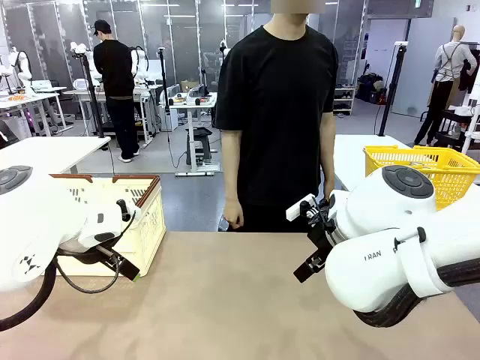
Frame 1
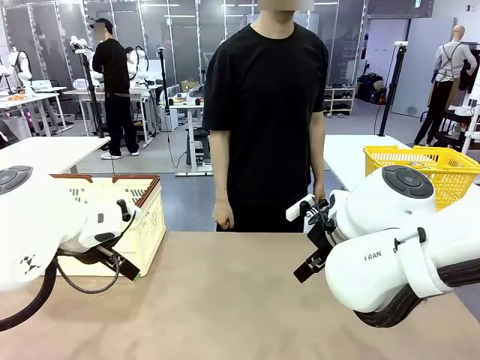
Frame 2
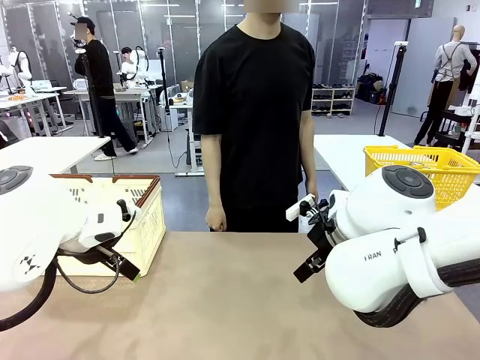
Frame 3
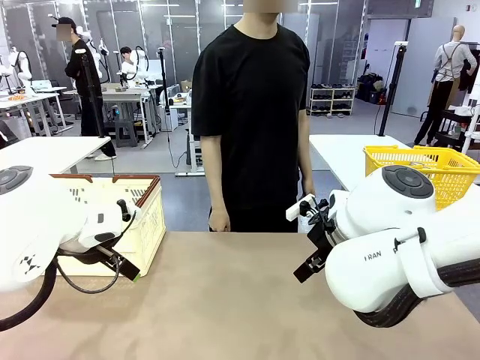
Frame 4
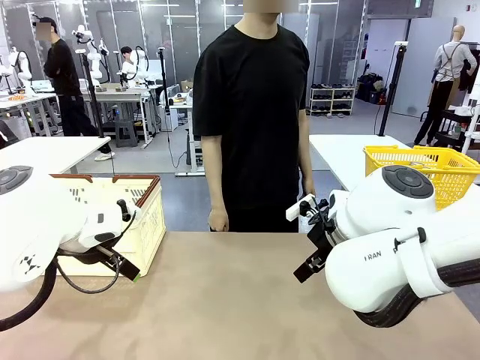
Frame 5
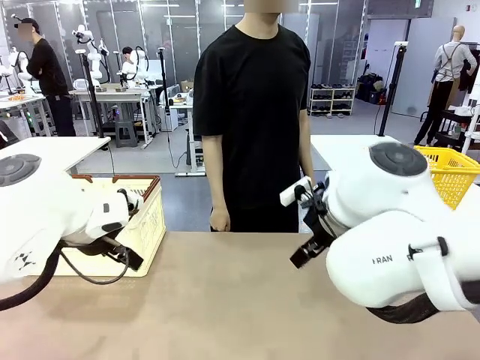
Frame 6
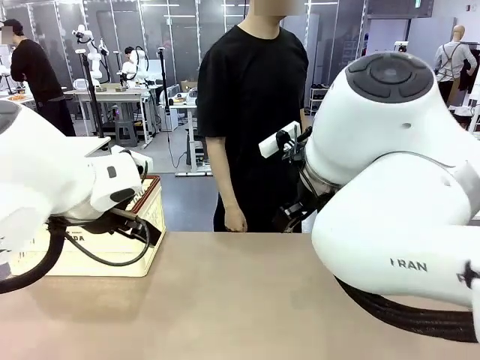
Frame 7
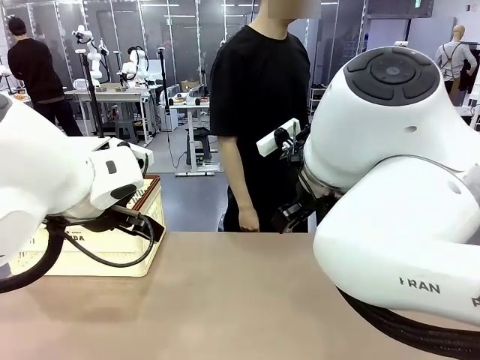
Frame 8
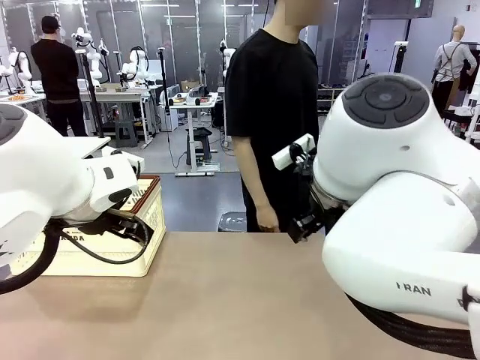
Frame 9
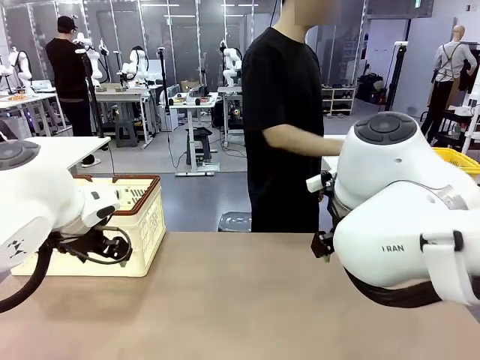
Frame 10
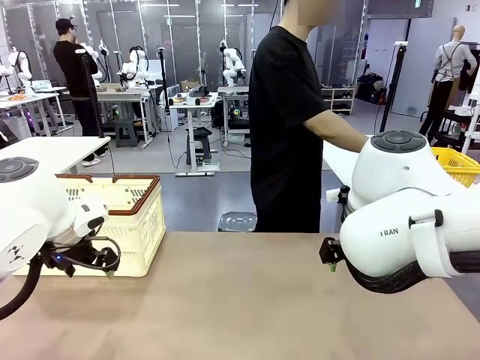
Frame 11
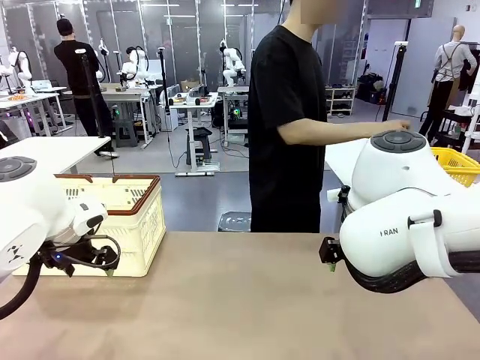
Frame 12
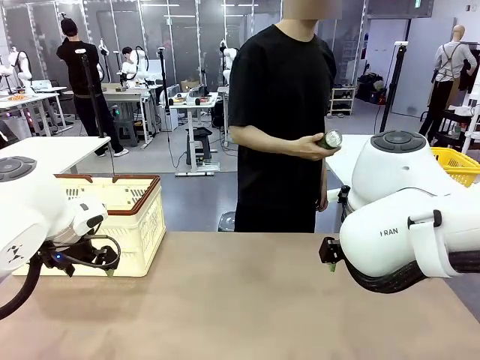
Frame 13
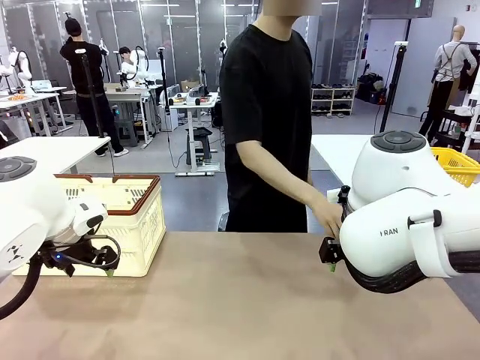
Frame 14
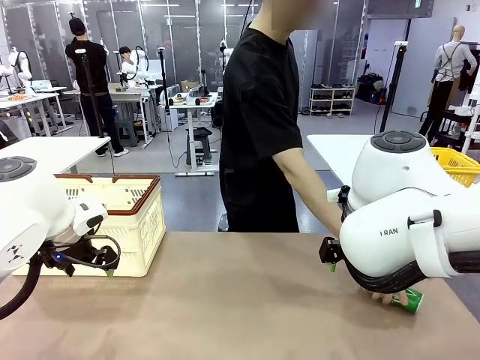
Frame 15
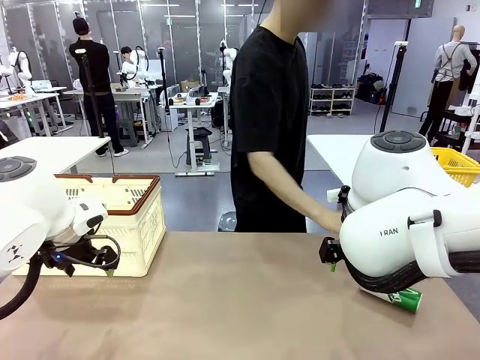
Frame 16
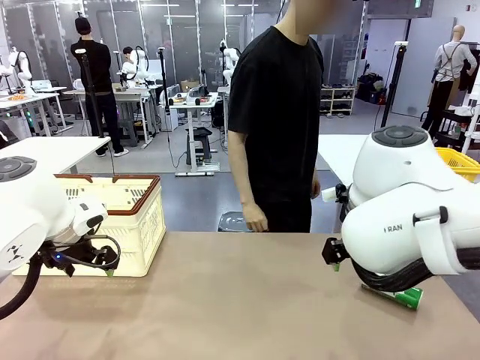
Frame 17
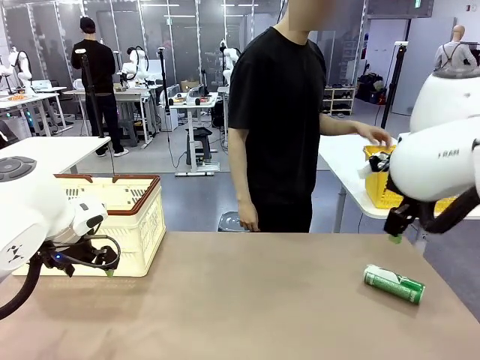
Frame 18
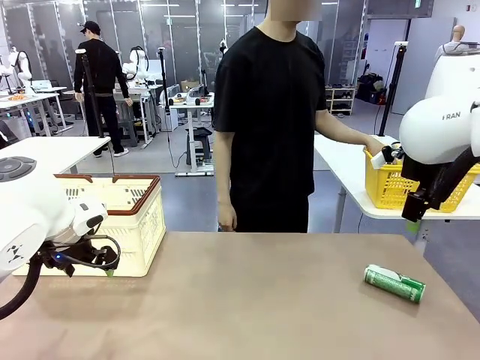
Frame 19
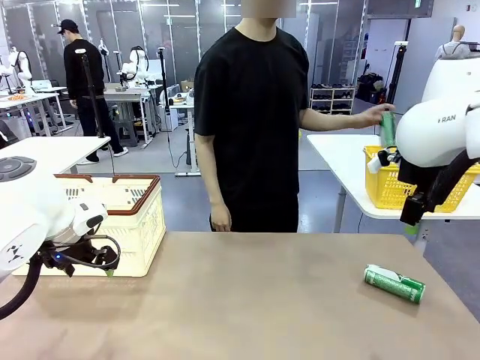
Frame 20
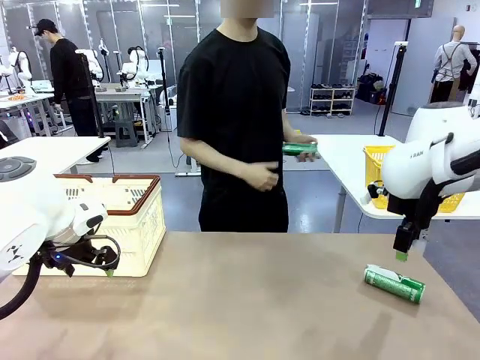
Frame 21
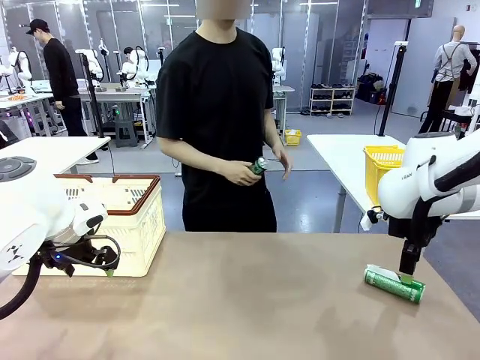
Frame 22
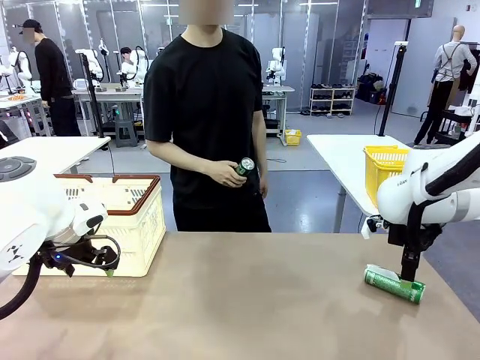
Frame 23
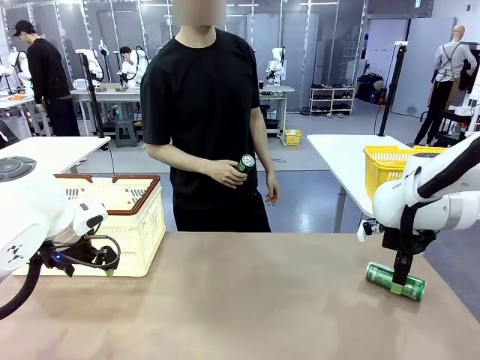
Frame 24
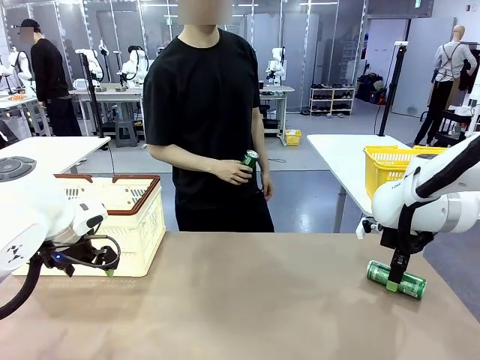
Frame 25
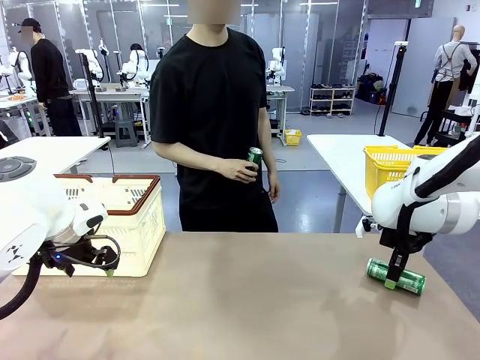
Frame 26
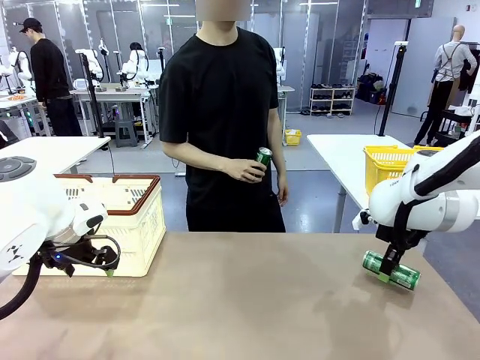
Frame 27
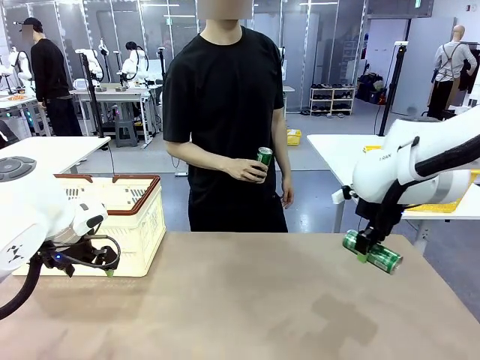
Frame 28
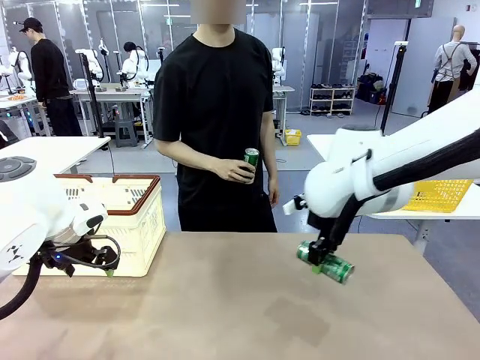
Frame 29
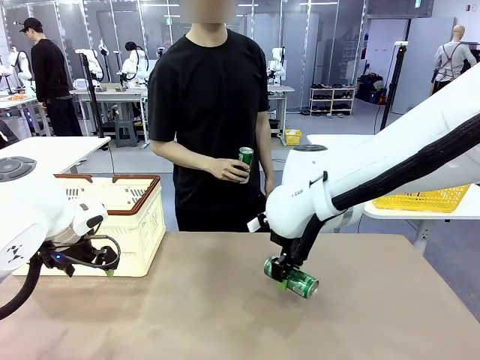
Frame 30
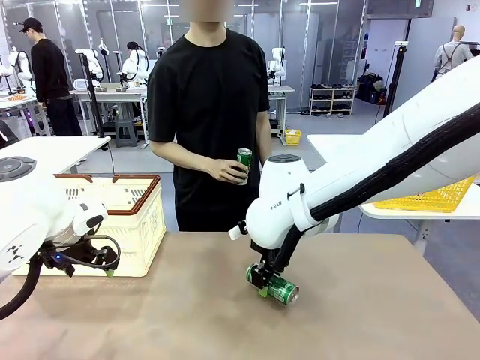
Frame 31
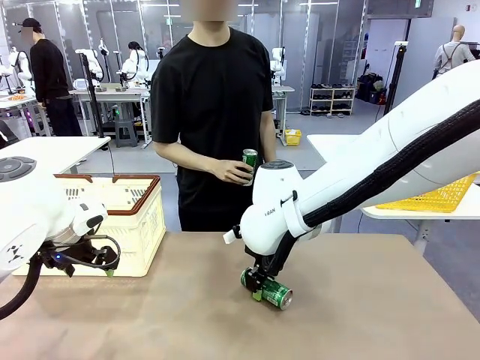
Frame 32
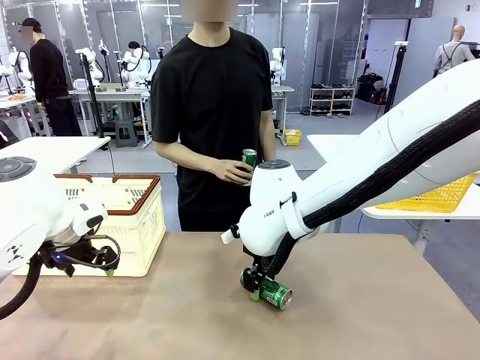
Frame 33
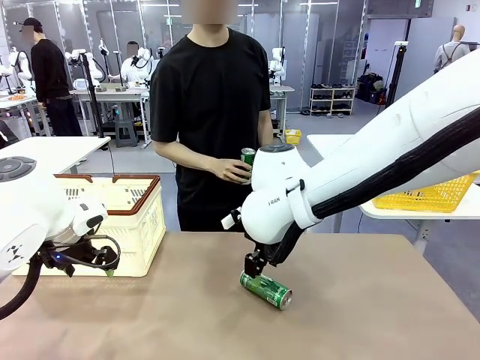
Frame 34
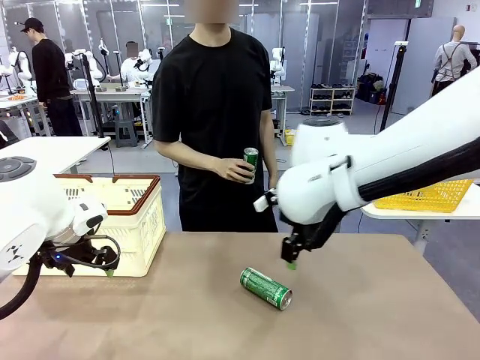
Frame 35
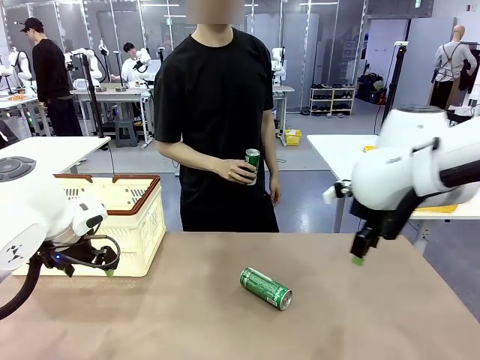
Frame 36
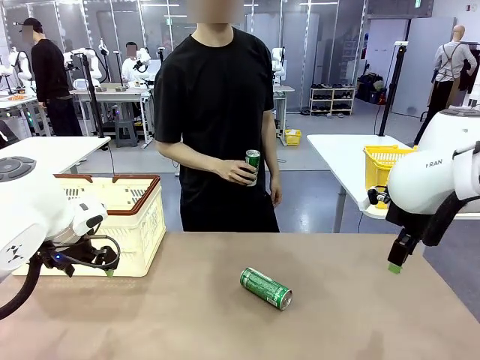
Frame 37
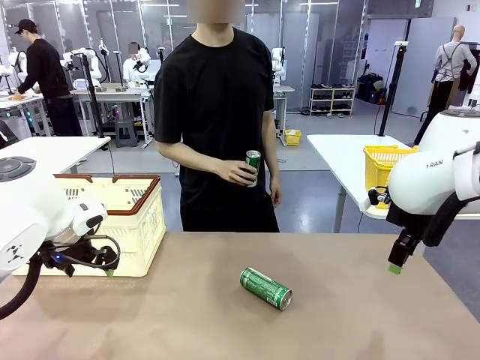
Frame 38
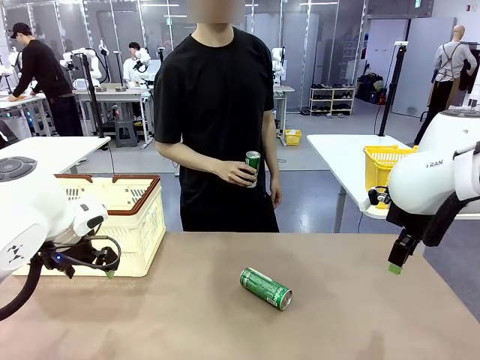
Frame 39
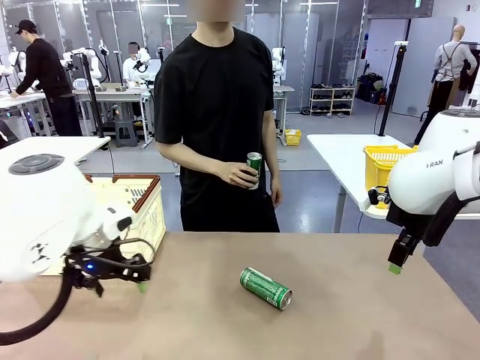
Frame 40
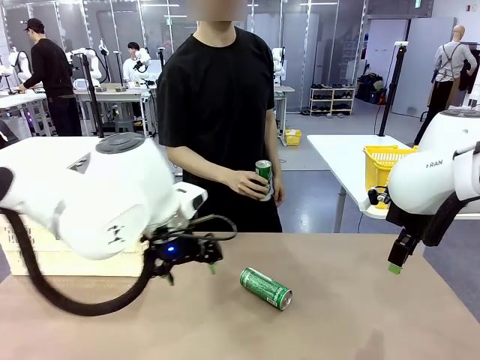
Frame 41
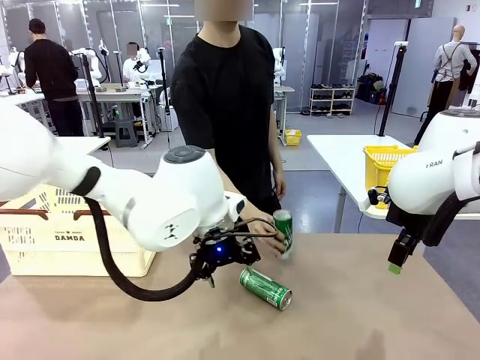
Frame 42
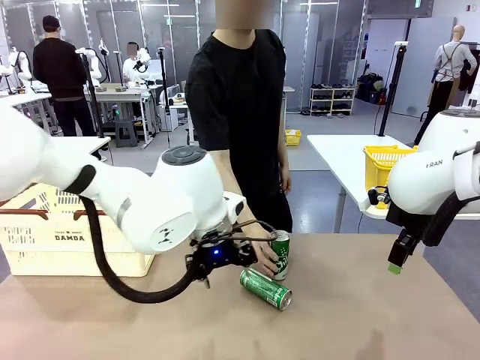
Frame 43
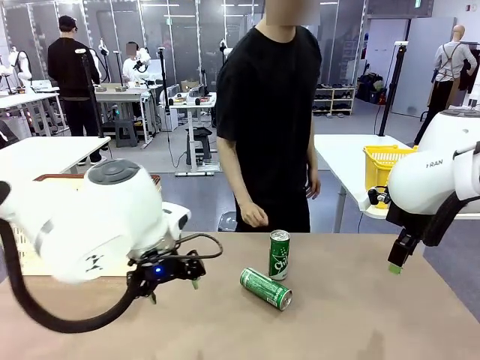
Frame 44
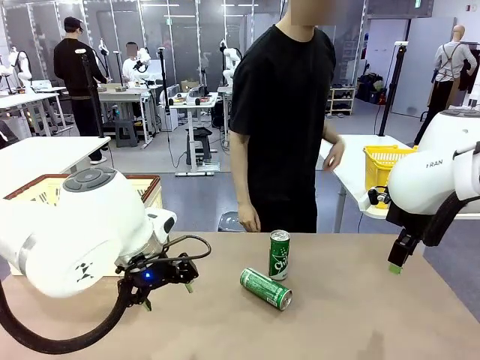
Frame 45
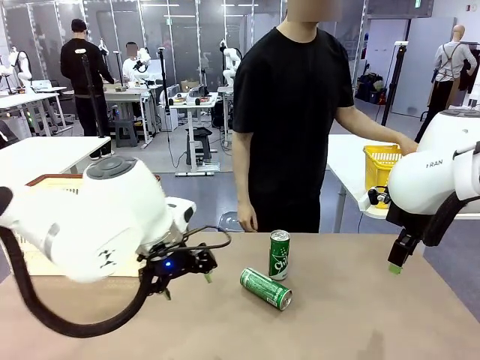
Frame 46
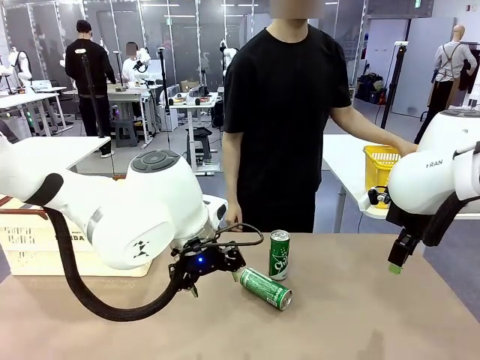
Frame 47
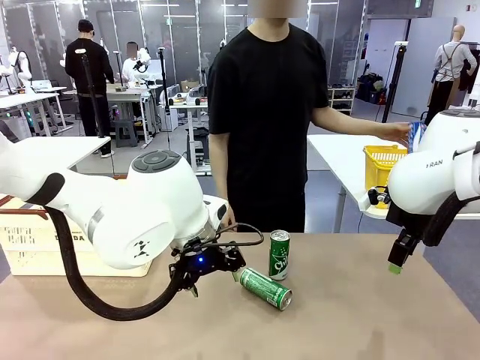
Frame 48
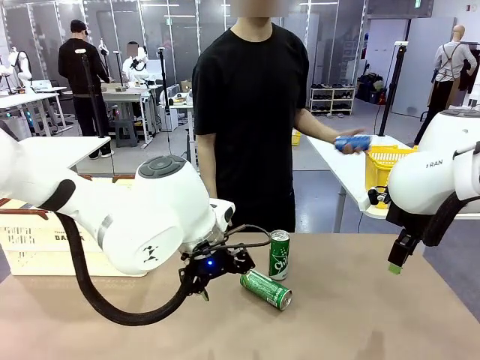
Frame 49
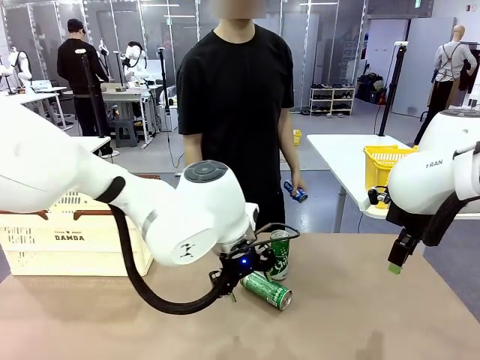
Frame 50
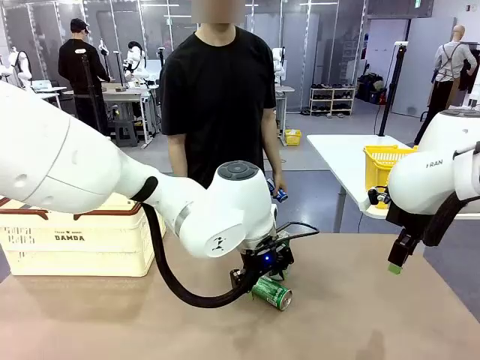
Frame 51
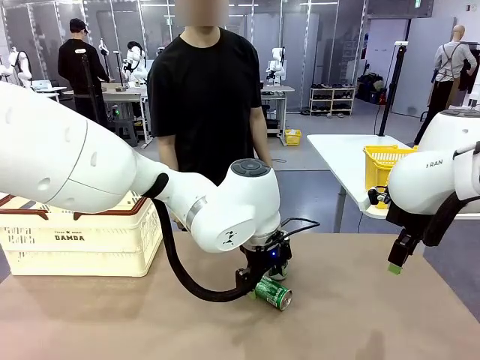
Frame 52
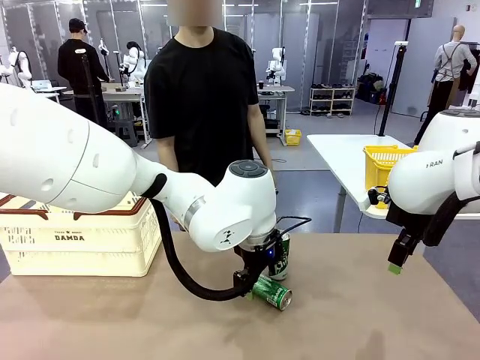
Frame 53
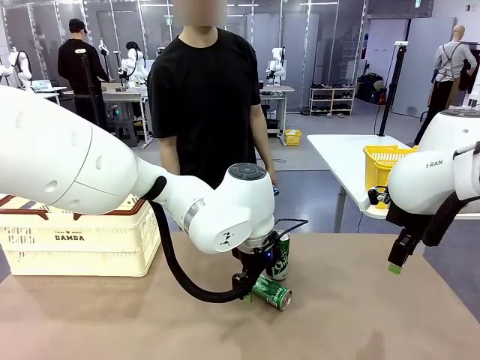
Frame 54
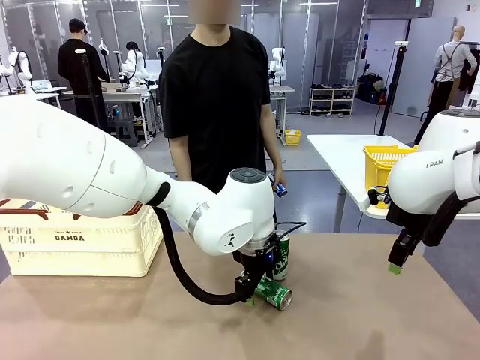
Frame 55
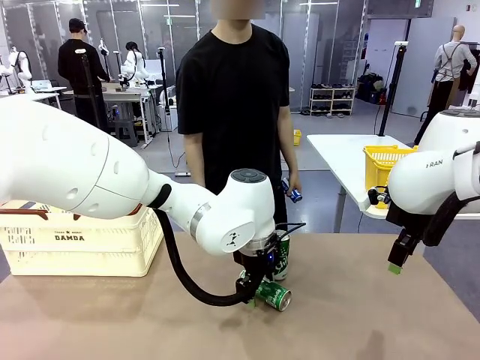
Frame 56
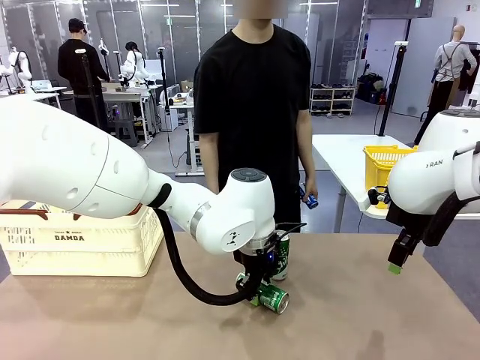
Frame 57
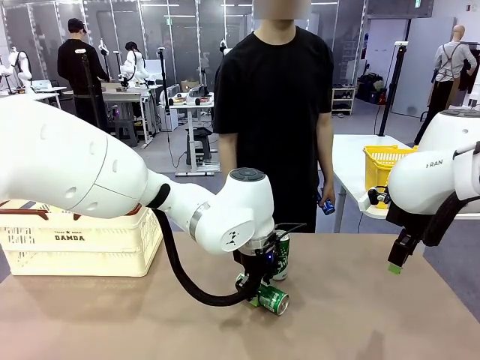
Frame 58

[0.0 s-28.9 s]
Task: Place the drinks into the Shopping basket.
Robot: Pick up one drink and place it into the Shopping basket.
